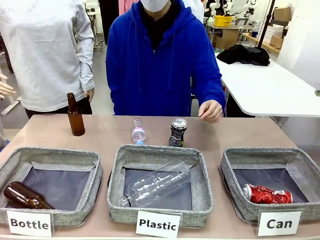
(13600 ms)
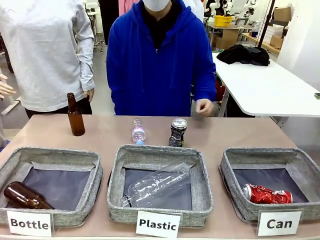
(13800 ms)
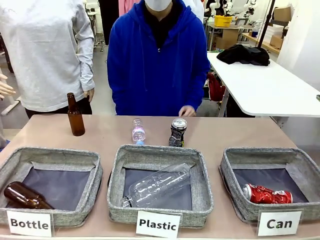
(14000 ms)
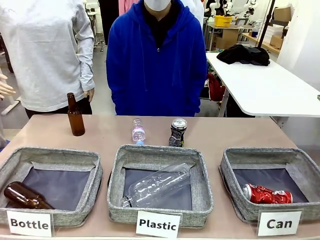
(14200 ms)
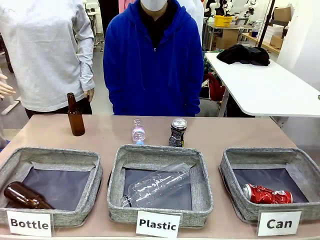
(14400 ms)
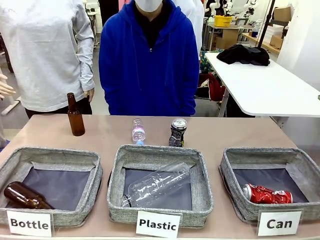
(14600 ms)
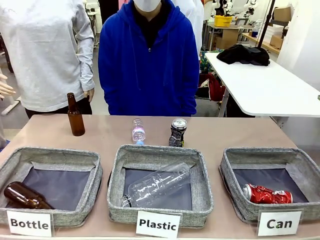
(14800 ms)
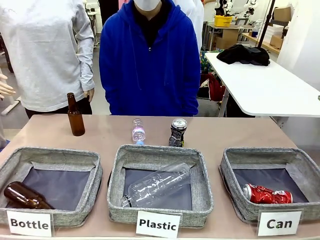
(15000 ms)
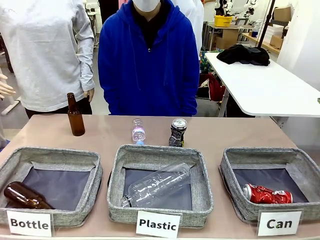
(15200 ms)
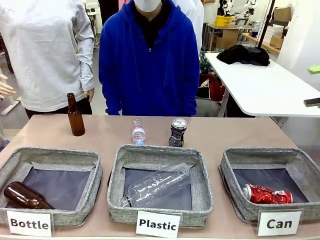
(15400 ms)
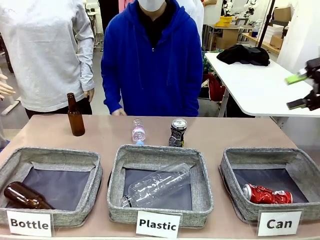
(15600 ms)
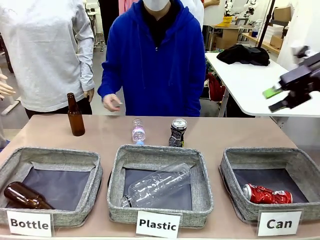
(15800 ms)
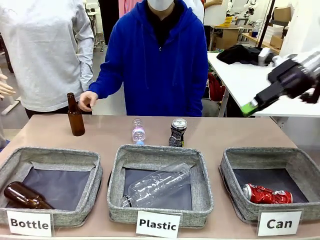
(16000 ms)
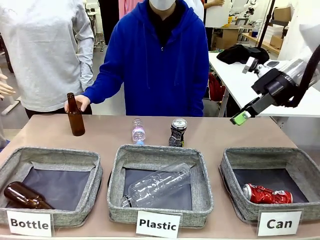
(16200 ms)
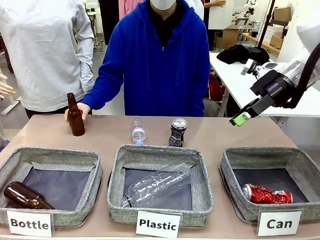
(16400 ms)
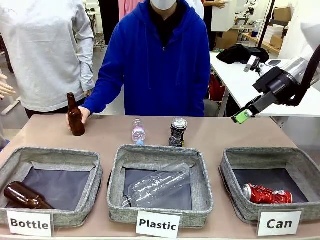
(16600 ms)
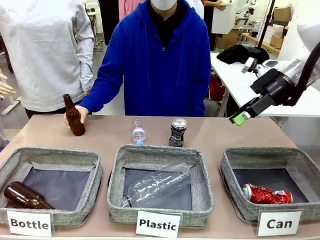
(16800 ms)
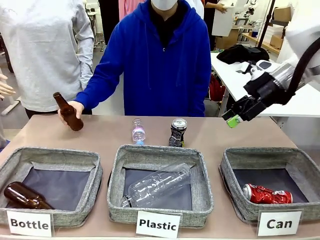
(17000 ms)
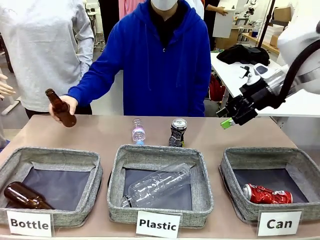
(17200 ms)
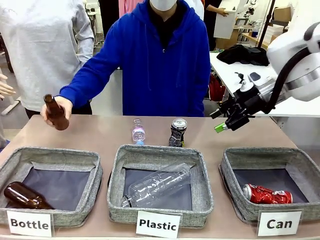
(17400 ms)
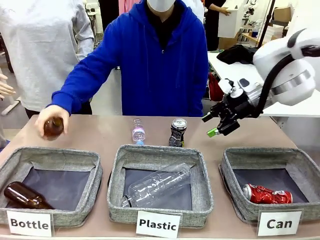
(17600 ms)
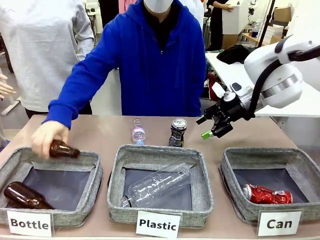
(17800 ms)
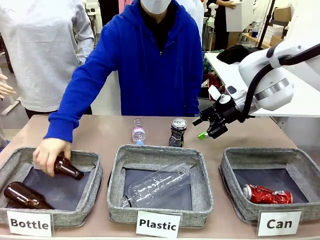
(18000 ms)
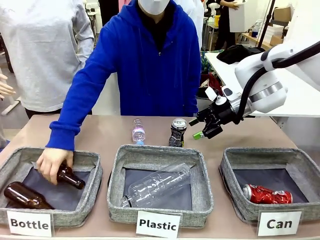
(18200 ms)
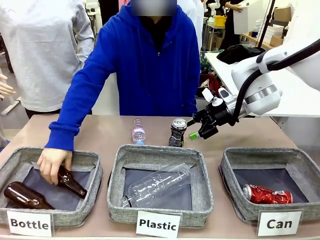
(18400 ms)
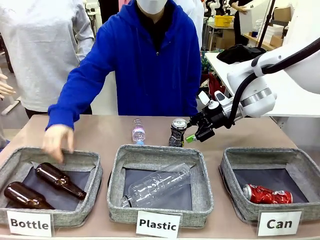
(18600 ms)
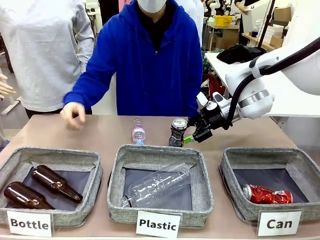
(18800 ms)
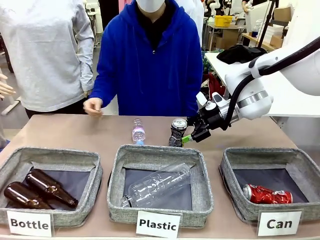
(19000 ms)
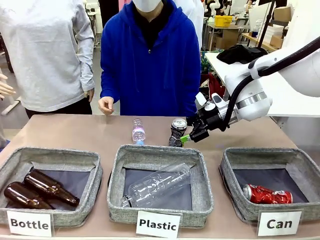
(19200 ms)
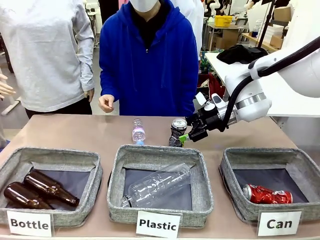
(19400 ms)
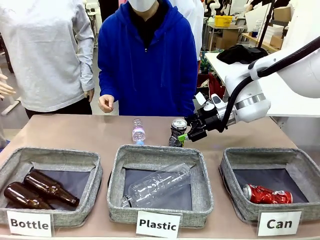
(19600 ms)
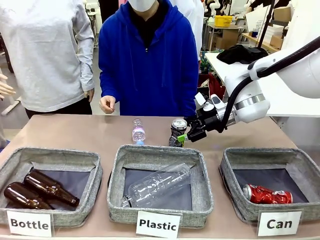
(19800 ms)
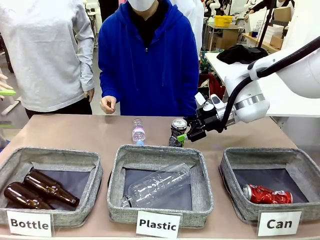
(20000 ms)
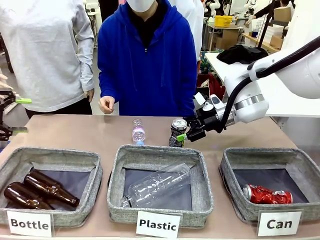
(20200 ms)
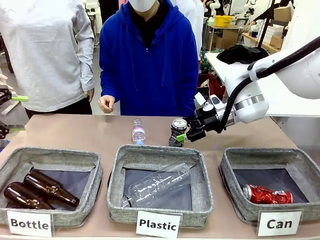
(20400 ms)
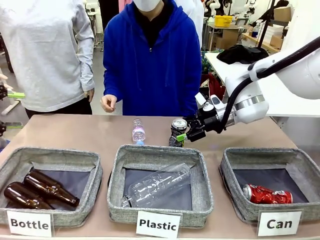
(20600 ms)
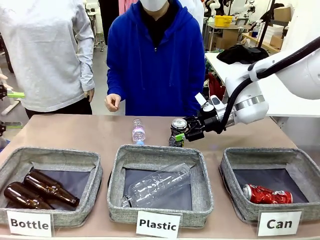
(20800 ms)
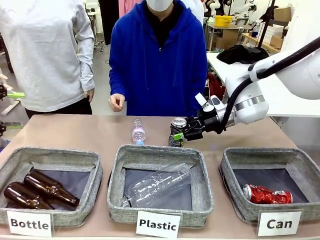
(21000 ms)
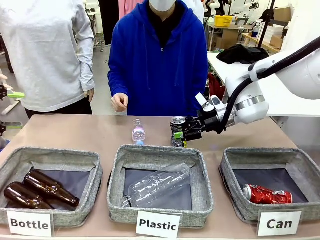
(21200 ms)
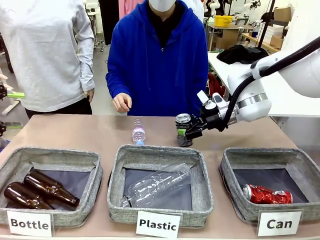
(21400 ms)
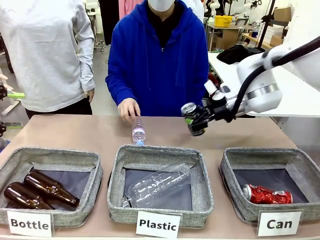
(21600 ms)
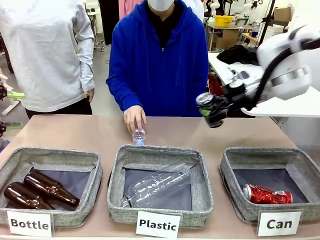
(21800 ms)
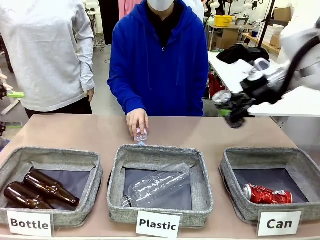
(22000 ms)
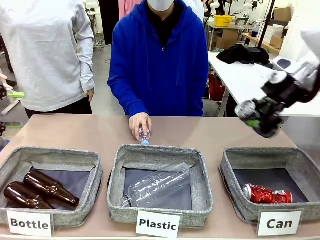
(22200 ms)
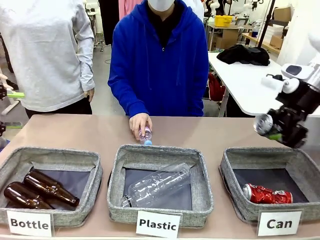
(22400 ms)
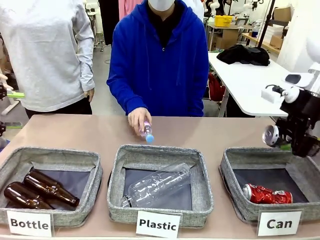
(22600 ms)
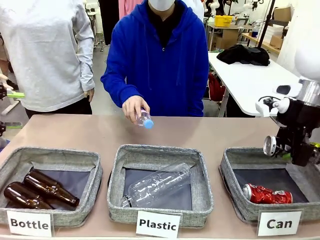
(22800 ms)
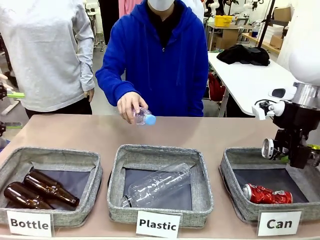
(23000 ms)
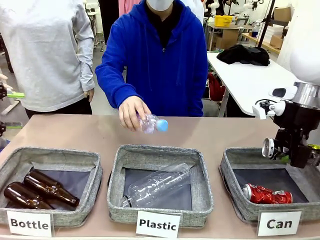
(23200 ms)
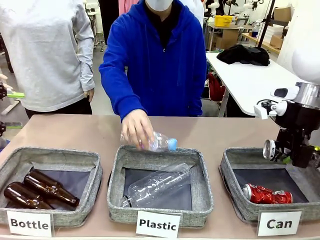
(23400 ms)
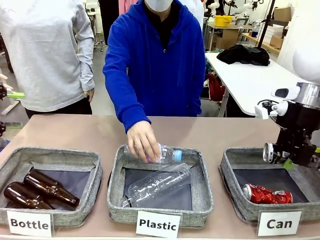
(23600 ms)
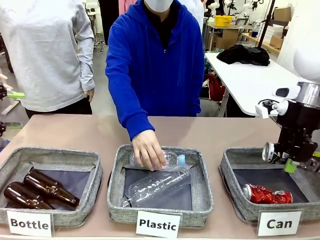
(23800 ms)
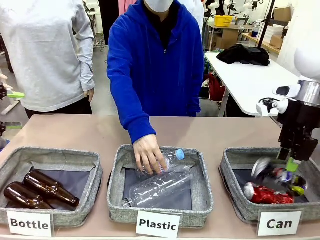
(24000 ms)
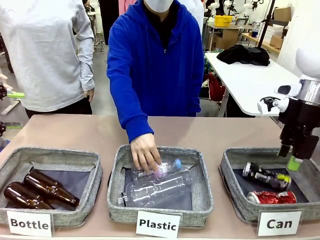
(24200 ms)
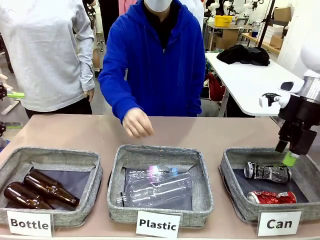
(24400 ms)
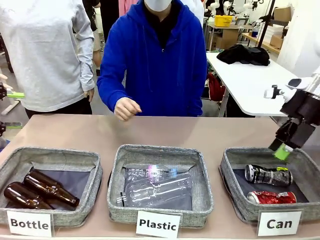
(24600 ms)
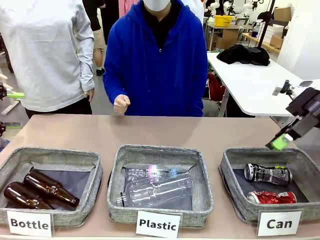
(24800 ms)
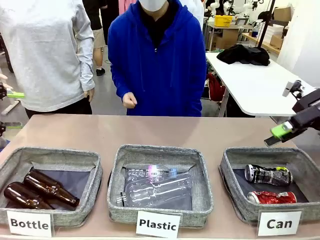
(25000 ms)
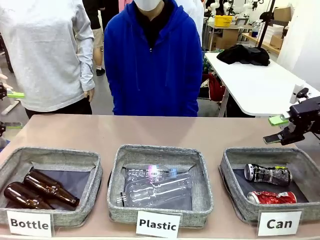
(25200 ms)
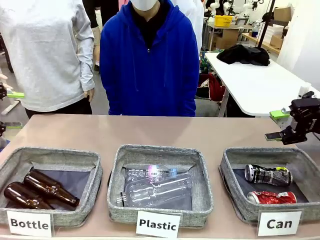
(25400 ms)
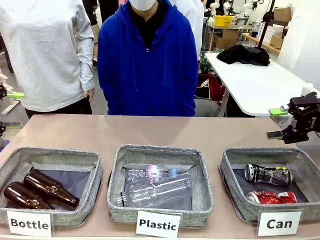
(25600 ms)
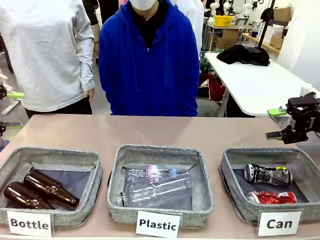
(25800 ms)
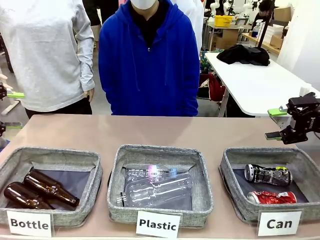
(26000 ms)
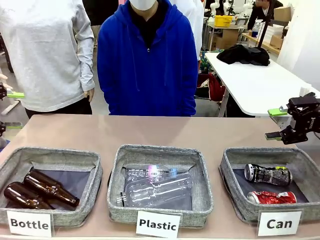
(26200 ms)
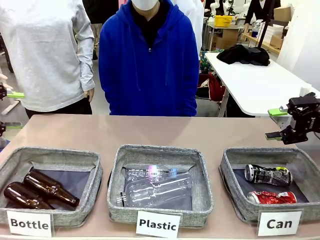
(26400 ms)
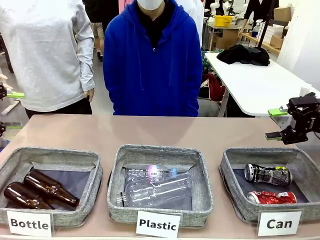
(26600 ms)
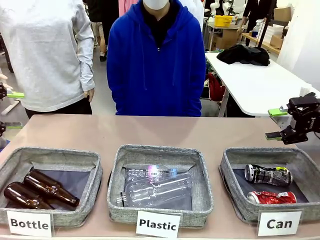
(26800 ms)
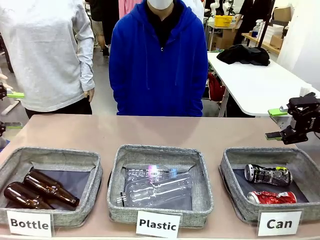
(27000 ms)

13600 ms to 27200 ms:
Task: Sort the can waste into the basket.
Robot: Pick up the can waste from the table and place it in the right Fabric basket.

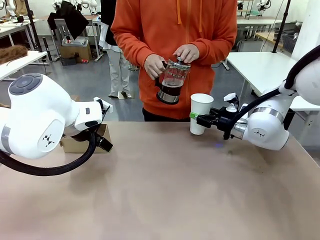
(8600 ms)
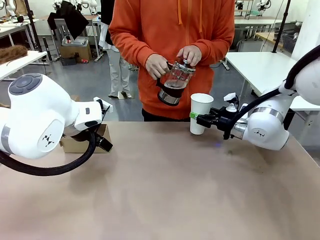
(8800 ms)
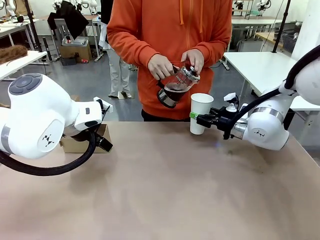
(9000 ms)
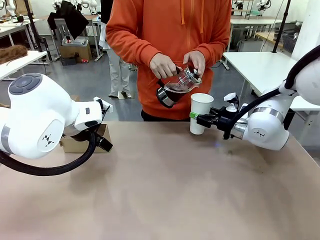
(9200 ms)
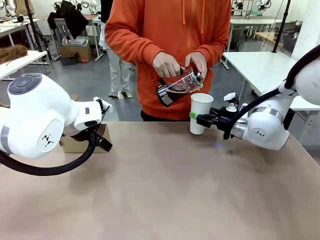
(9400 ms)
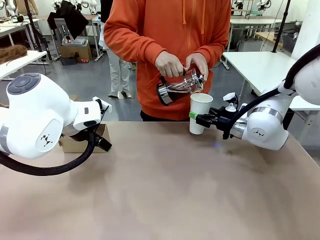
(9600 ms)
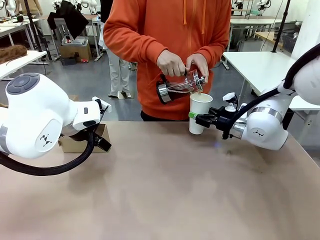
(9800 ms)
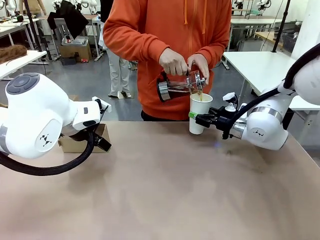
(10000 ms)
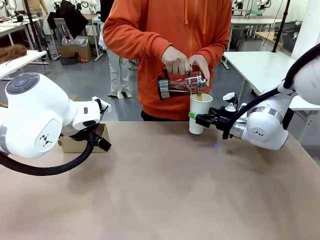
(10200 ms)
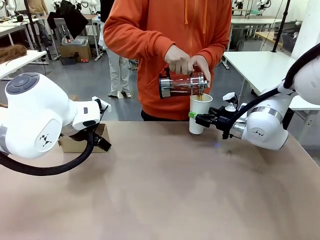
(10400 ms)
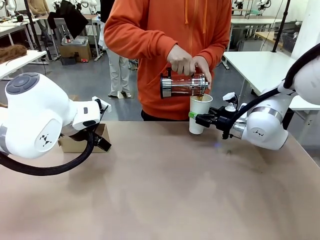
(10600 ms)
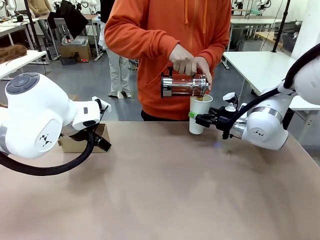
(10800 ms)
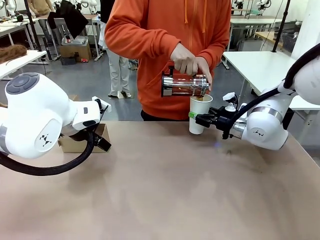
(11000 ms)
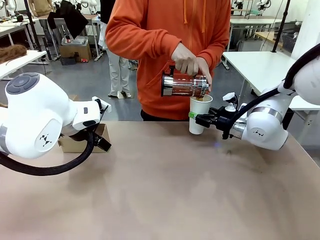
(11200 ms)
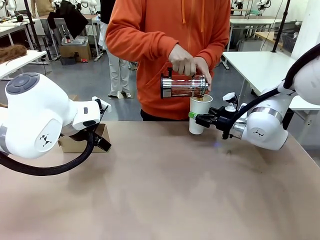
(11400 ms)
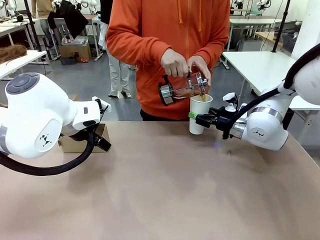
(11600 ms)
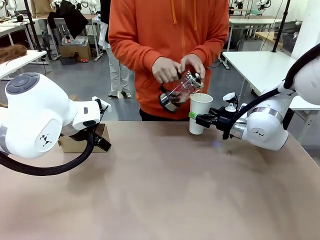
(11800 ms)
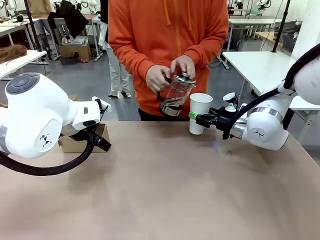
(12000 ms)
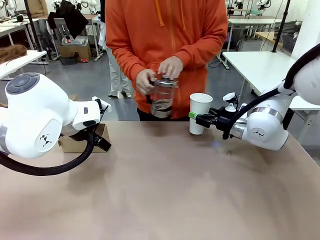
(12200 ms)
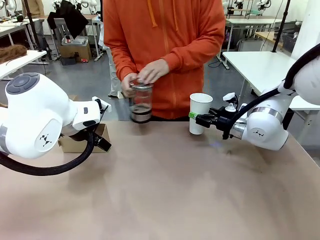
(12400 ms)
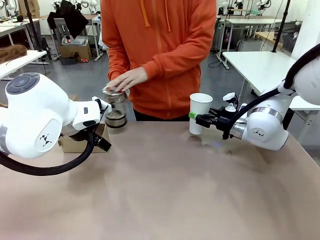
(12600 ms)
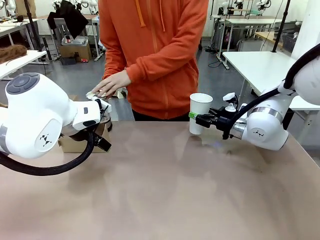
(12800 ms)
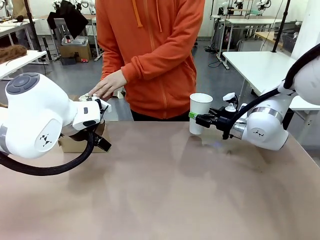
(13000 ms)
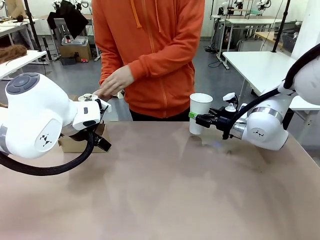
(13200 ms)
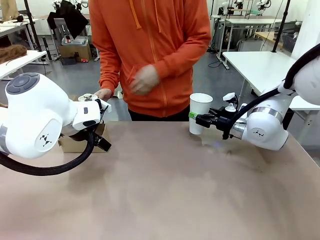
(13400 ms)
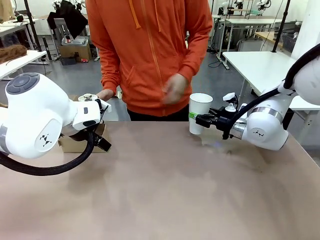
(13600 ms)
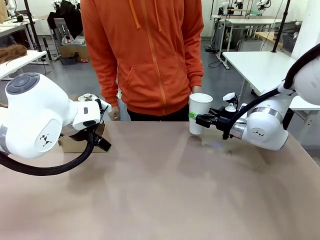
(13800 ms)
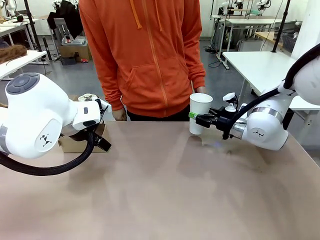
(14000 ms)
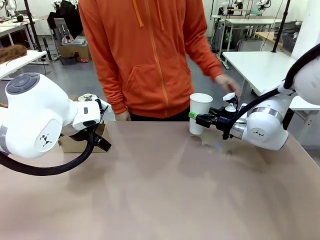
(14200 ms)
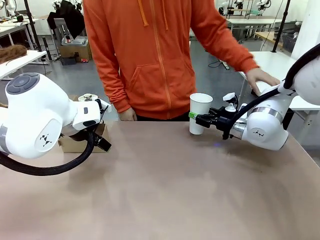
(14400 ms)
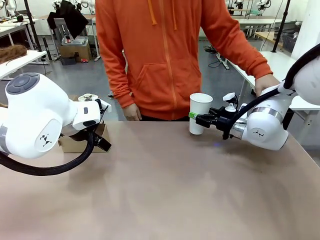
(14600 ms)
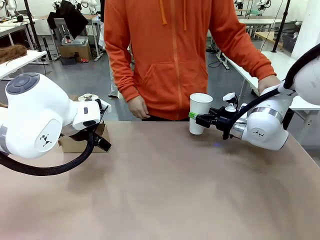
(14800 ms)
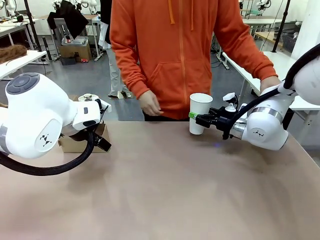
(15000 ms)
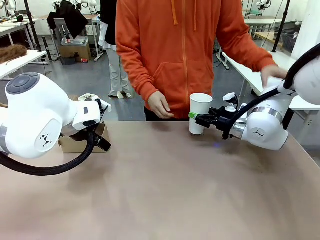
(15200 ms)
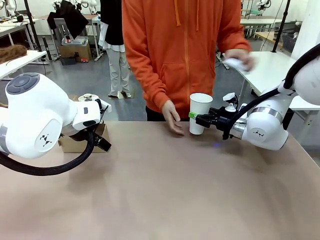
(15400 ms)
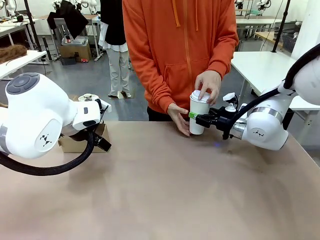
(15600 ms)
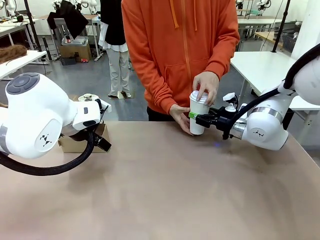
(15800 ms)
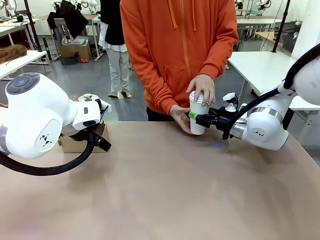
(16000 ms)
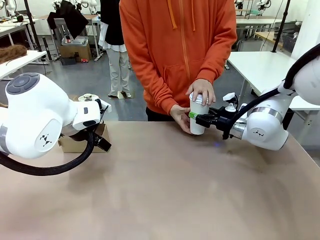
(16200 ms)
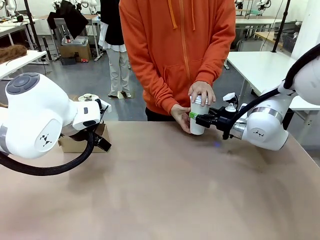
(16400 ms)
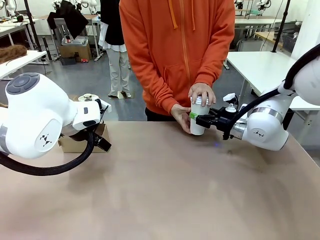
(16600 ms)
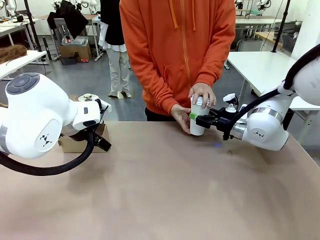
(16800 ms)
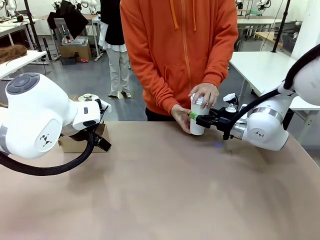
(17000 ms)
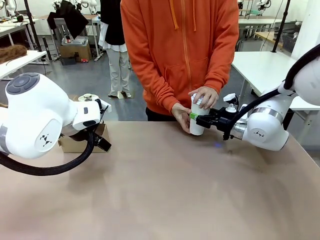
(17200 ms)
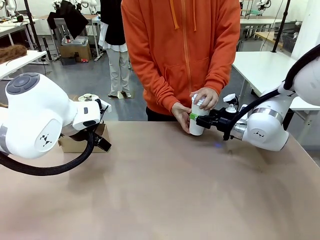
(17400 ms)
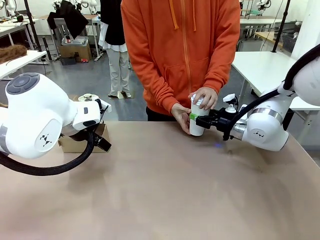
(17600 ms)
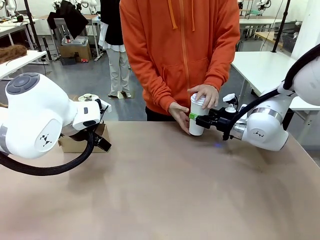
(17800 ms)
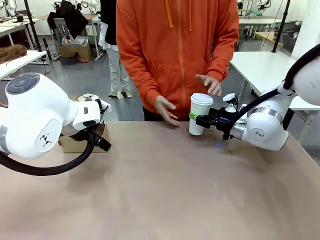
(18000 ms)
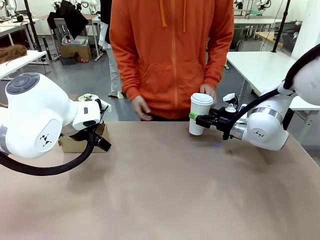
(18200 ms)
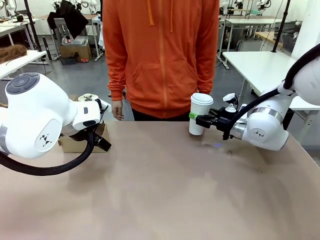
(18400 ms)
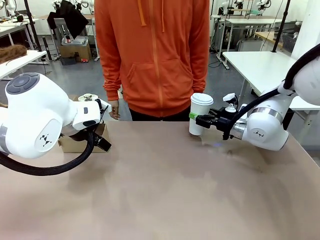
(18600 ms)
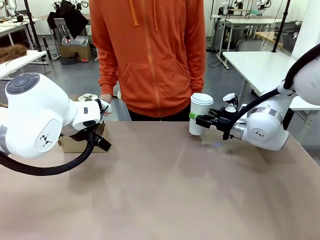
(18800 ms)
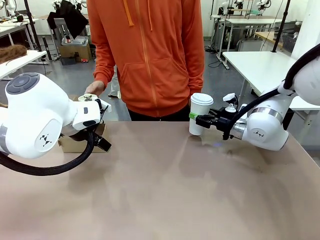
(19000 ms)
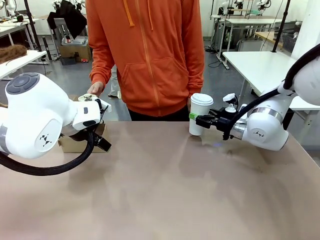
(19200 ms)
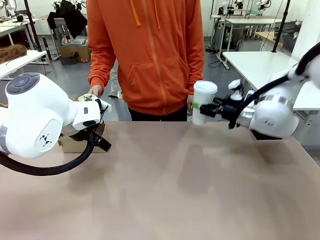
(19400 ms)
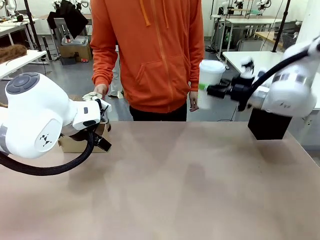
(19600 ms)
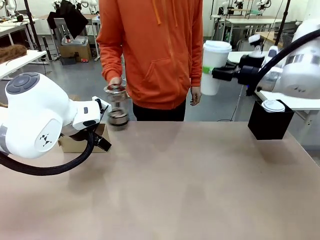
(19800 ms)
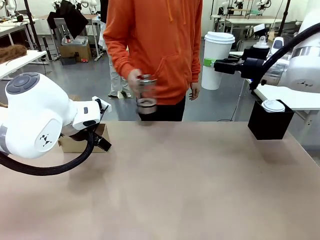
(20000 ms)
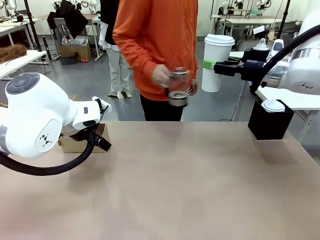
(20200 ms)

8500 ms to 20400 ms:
Task: Pour a drink into a cup and package it in a carrier.
Robot: When a person places the Paper Cup Lid on the 600 ml Paper Cup , lift the 600 ml Paper Cup.
Person: Pour the drink from the Filter Brewing into the 600 ml Paper Cup. Place a Paper Cup Lid on the 600 ml Paper Cup.
